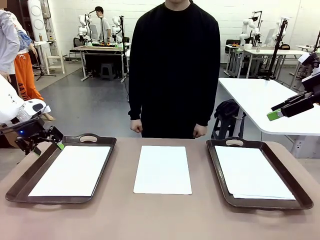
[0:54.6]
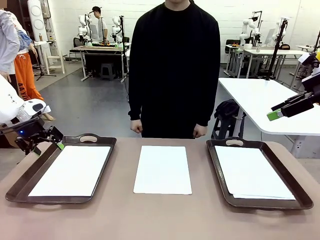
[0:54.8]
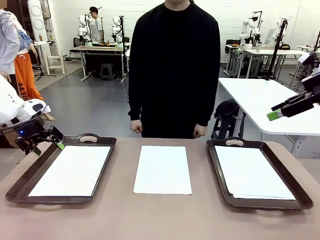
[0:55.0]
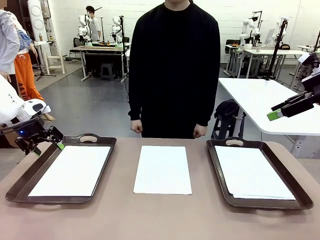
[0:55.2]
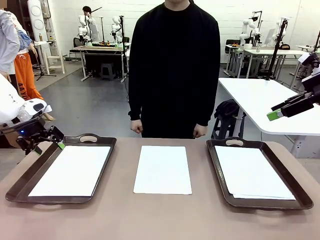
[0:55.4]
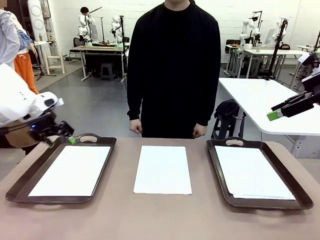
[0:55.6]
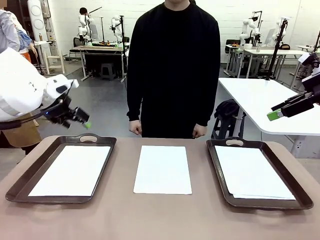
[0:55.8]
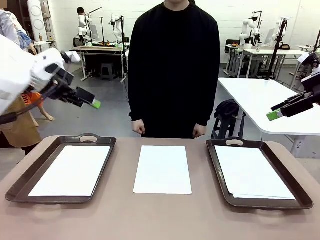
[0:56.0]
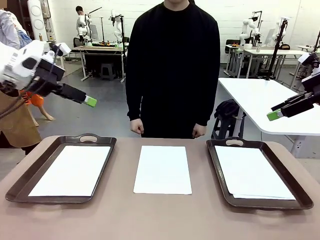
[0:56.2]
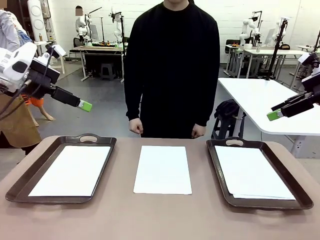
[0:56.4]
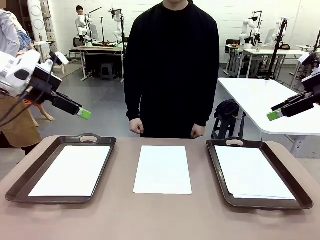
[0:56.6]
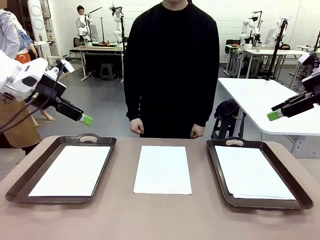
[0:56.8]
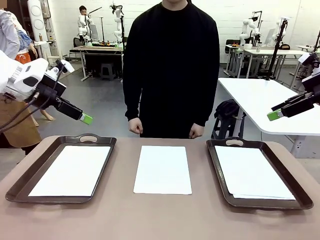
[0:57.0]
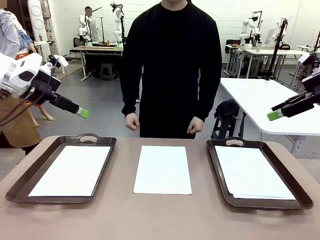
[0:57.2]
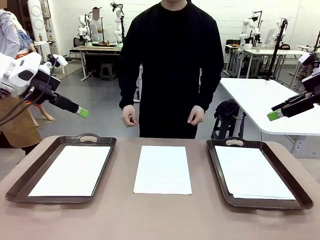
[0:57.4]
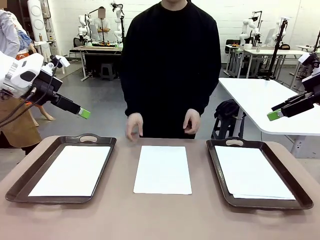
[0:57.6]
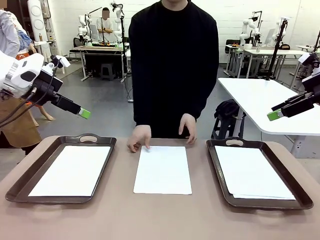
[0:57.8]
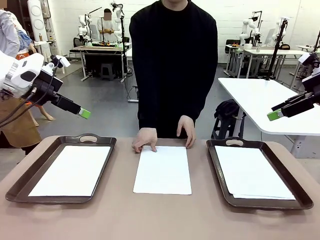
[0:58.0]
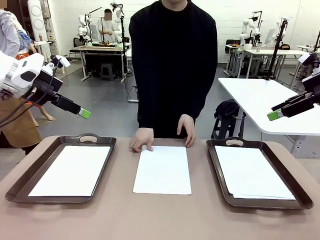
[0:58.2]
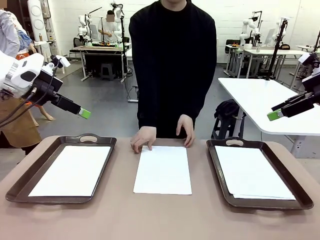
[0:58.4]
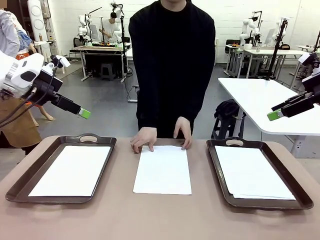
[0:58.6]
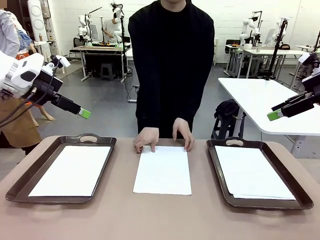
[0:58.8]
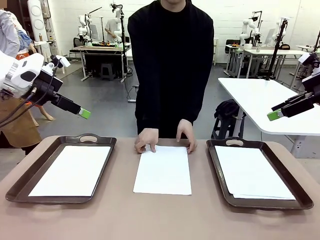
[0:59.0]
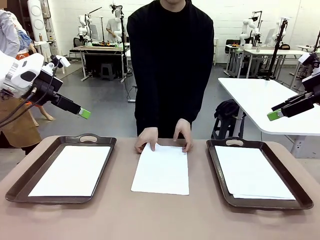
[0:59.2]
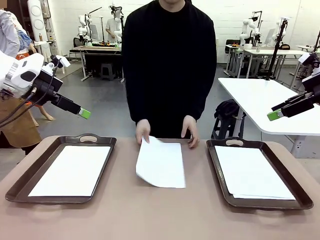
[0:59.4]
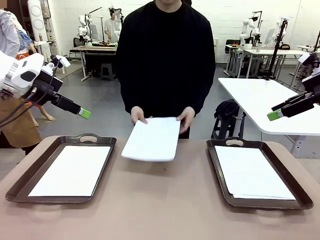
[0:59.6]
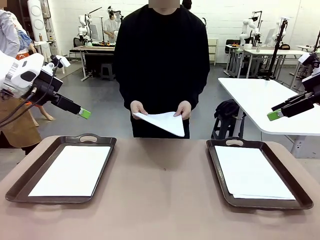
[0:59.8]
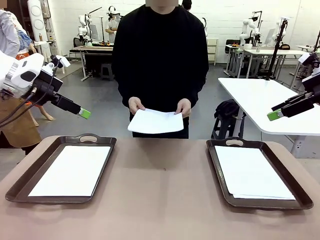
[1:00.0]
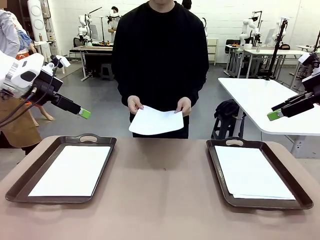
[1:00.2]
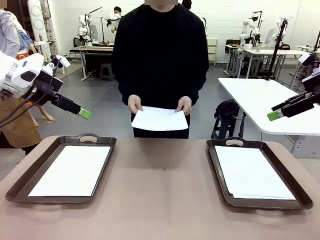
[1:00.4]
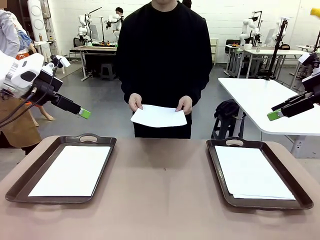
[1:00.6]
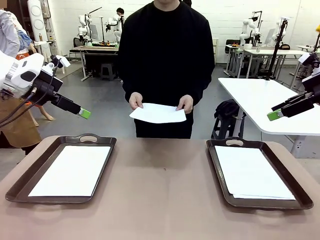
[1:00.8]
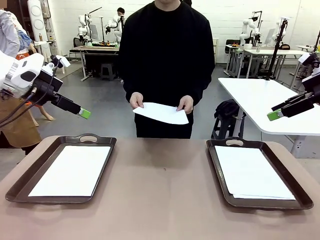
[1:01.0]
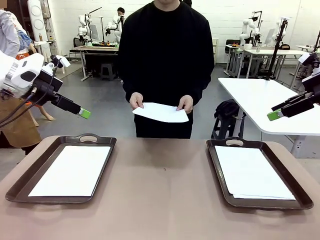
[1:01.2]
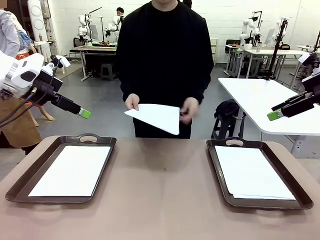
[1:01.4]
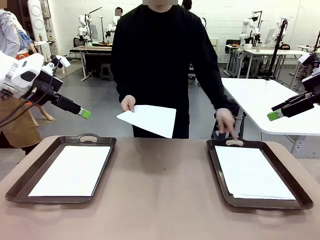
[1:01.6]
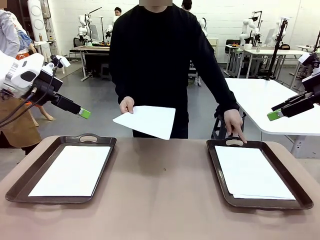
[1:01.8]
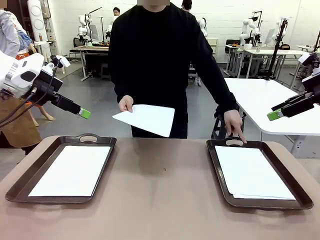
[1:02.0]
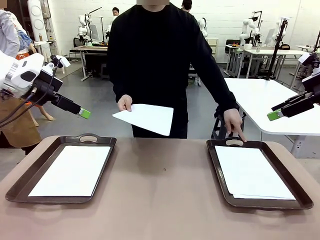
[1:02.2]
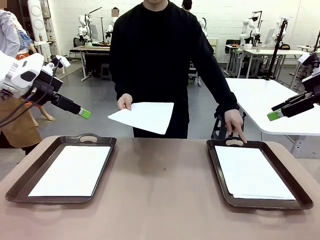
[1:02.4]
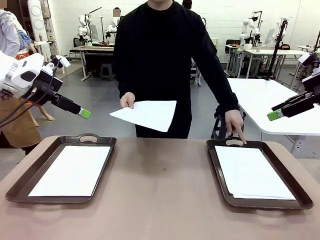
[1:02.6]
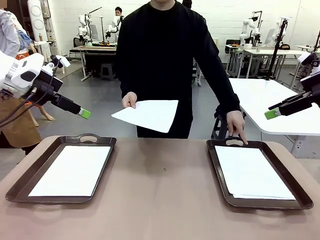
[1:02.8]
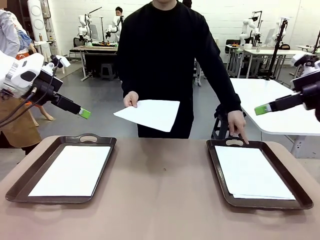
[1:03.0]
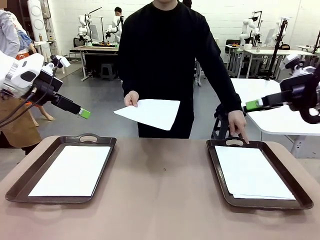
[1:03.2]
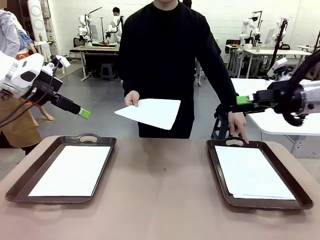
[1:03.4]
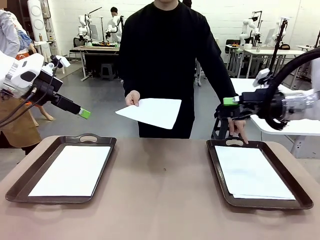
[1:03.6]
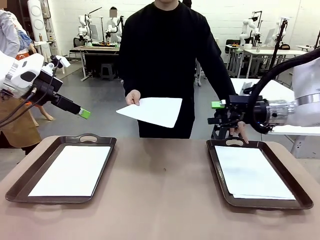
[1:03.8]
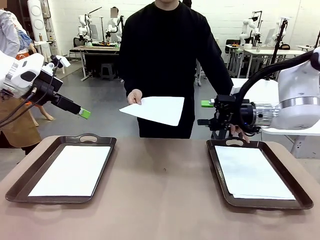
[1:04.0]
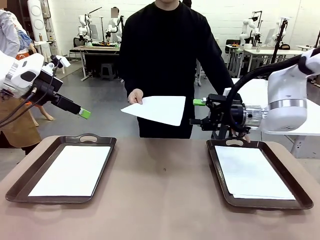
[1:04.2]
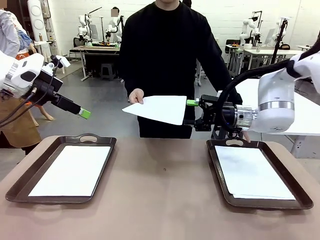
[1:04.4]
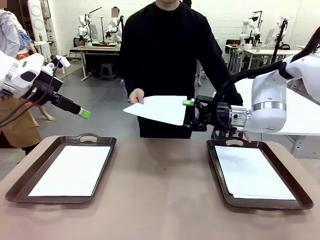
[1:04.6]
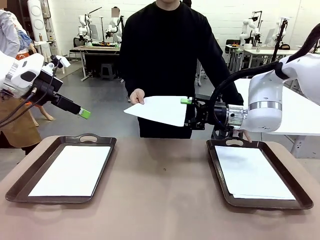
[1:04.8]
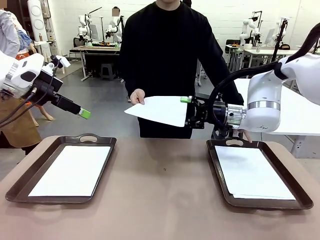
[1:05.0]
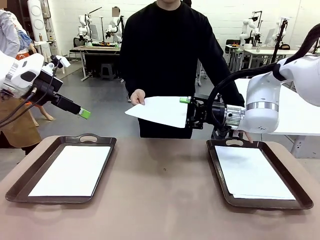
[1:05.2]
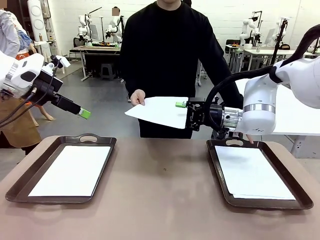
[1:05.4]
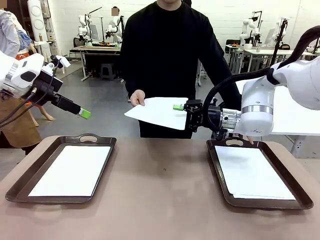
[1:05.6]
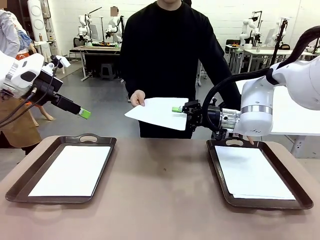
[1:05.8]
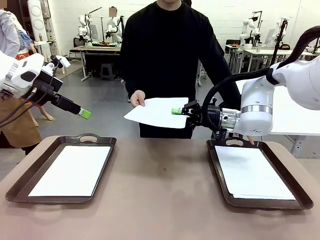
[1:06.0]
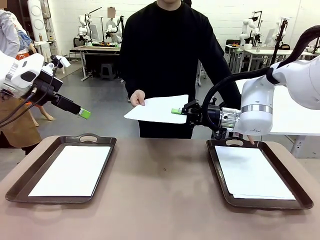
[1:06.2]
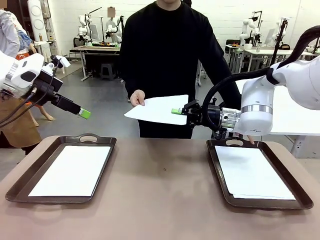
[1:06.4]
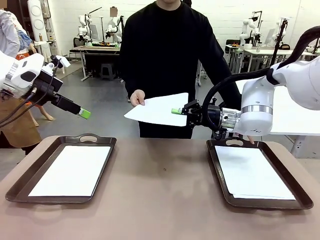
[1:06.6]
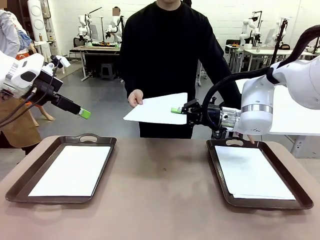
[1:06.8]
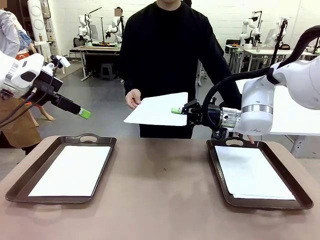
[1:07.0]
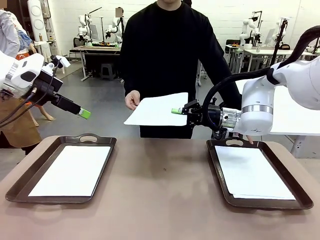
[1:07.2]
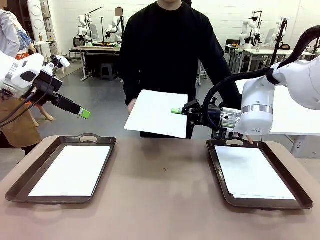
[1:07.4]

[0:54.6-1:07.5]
Task: Sort the A4 documents.
Robot: Receive the A4 Paper.
Person: Point the randomly selected tray with the other hand.

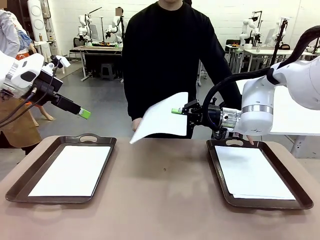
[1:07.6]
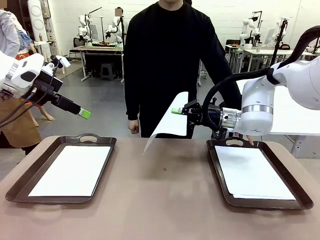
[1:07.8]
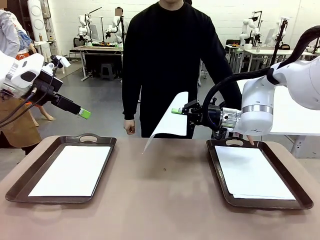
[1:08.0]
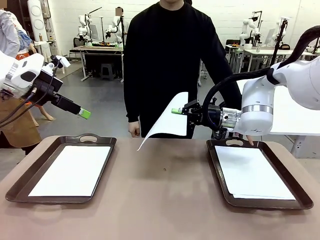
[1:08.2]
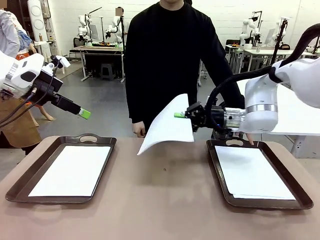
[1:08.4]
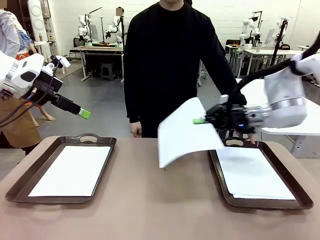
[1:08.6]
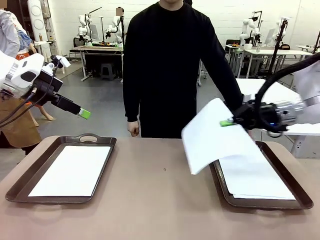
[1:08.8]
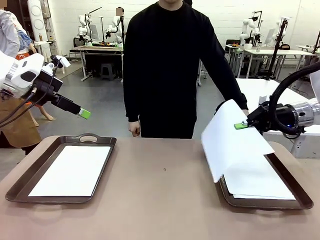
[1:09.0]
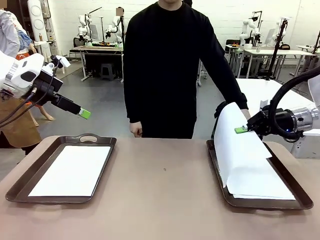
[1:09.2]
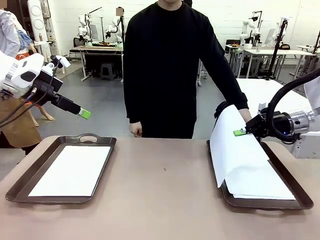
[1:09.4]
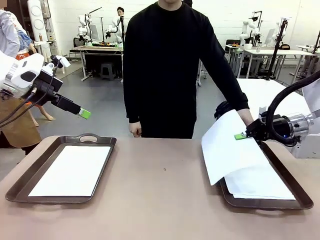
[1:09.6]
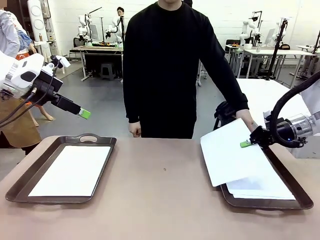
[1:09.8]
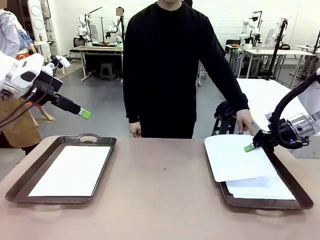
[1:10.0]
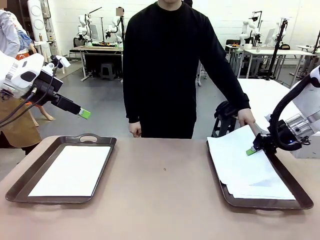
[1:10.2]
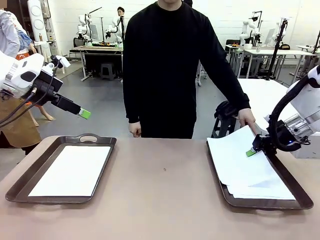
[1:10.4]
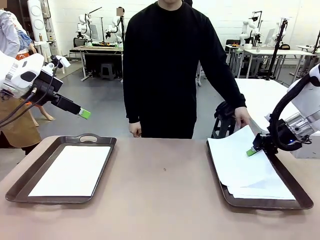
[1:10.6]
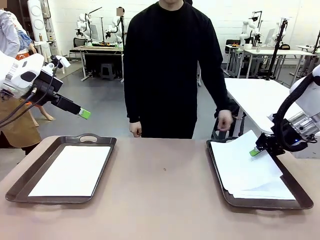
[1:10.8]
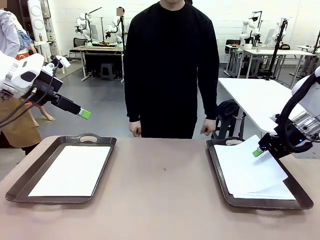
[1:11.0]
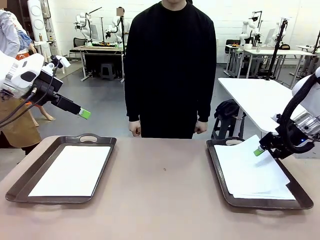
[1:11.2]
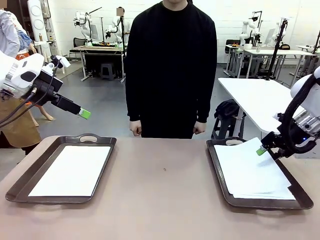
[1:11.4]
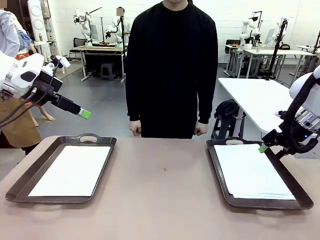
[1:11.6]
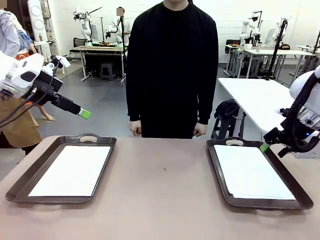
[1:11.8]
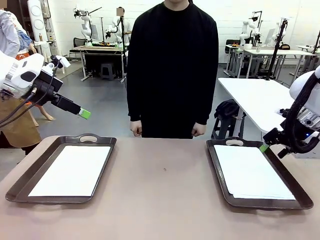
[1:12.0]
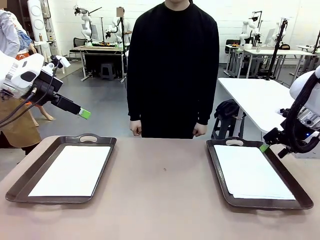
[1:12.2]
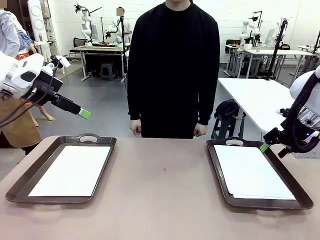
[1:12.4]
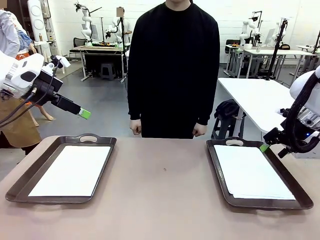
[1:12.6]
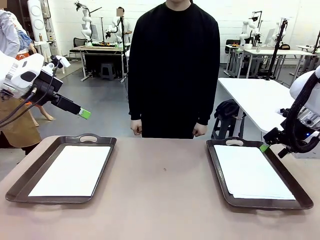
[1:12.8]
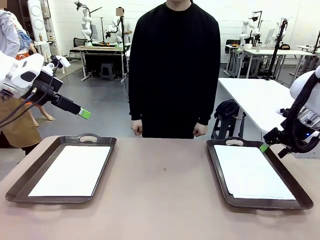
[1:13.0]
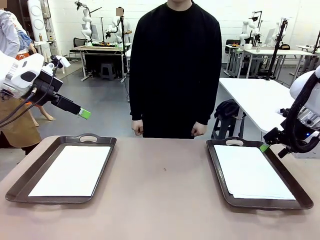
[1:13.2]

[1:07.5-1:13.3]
Robot: Place the A4 Paper in the designated Handle tray.
